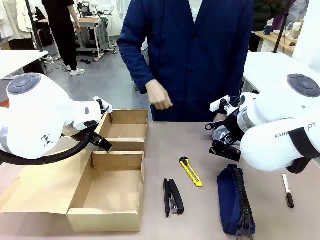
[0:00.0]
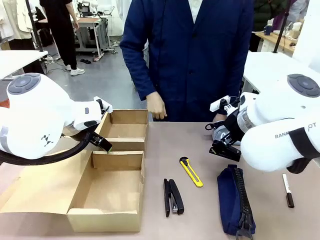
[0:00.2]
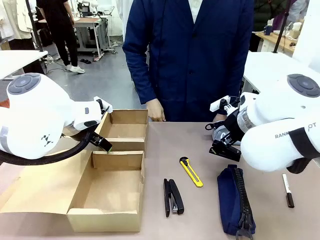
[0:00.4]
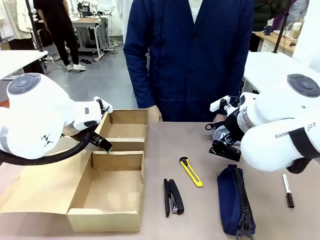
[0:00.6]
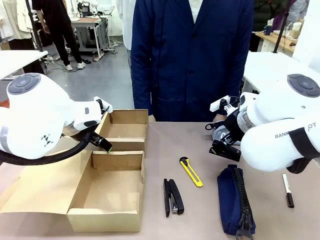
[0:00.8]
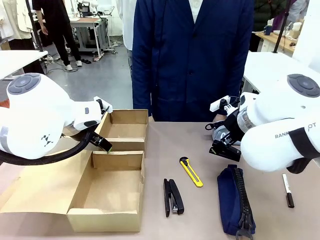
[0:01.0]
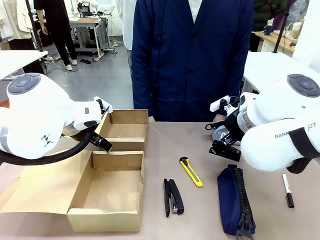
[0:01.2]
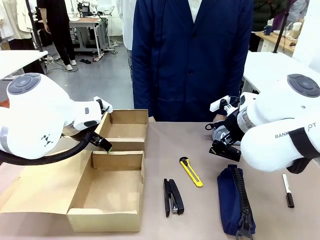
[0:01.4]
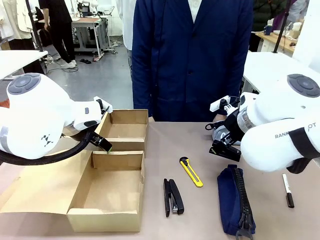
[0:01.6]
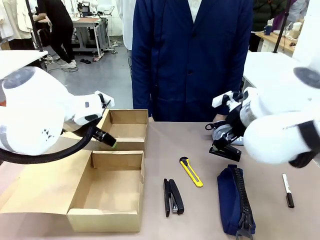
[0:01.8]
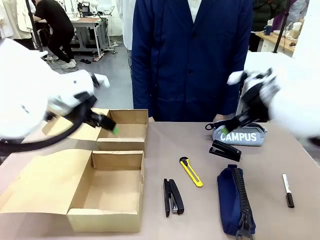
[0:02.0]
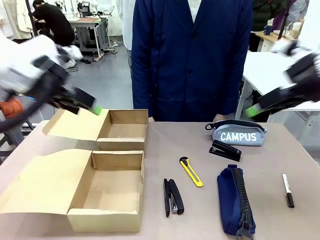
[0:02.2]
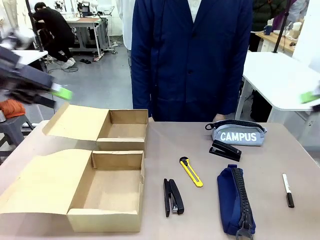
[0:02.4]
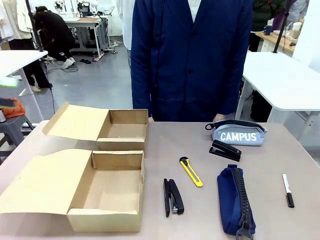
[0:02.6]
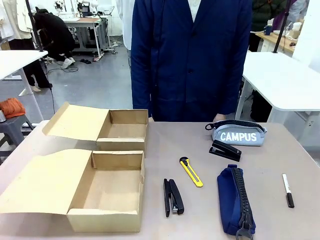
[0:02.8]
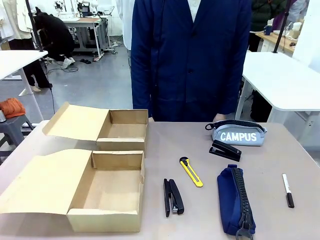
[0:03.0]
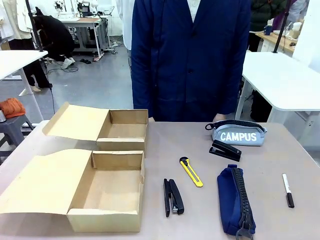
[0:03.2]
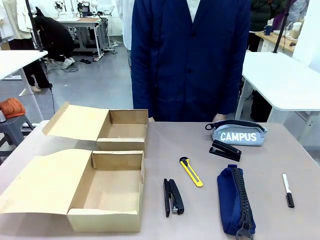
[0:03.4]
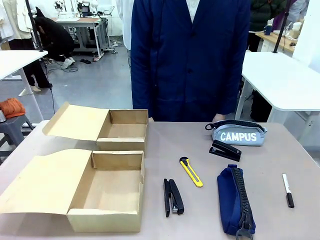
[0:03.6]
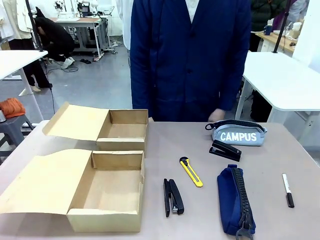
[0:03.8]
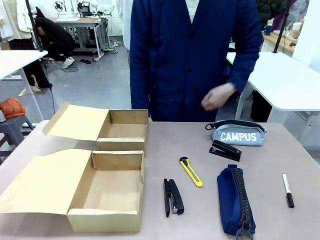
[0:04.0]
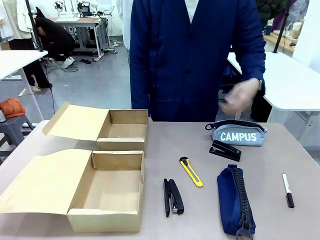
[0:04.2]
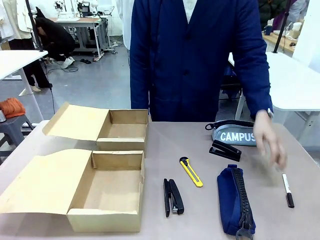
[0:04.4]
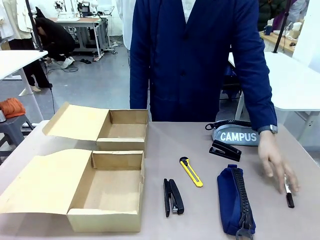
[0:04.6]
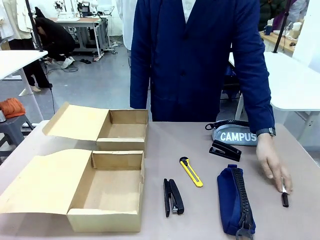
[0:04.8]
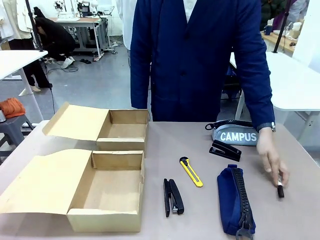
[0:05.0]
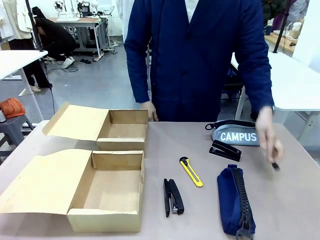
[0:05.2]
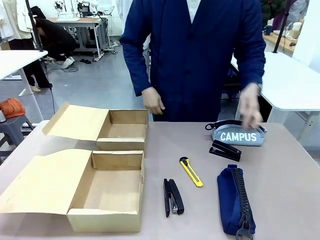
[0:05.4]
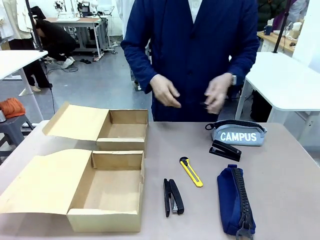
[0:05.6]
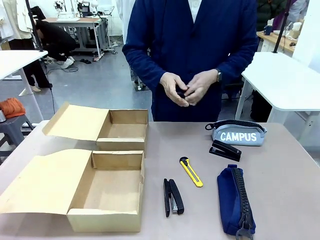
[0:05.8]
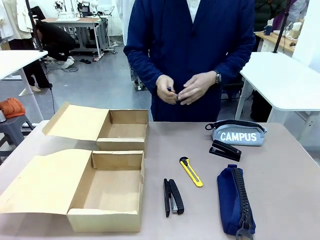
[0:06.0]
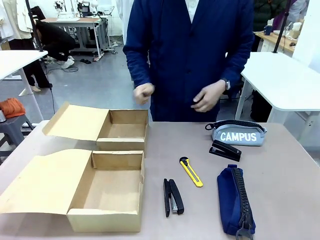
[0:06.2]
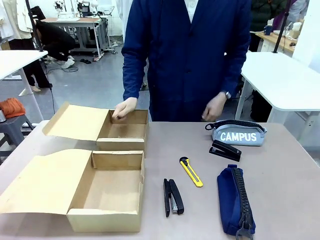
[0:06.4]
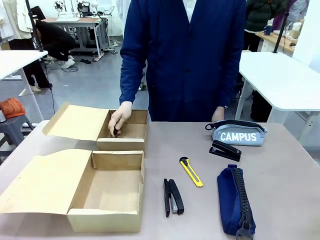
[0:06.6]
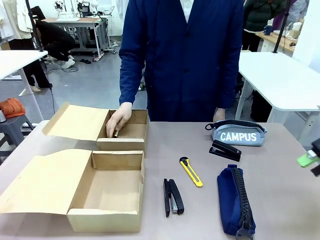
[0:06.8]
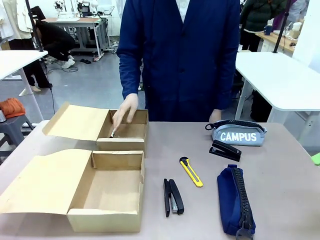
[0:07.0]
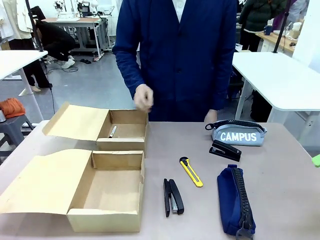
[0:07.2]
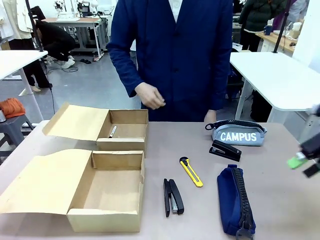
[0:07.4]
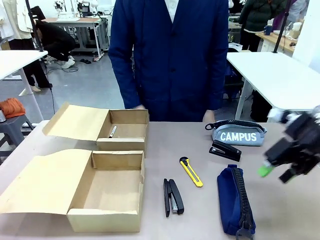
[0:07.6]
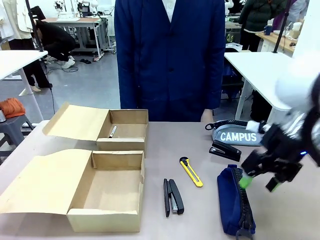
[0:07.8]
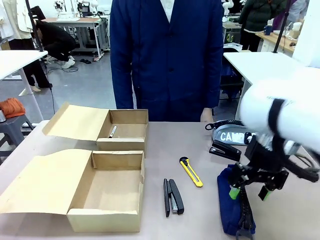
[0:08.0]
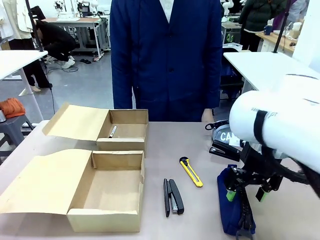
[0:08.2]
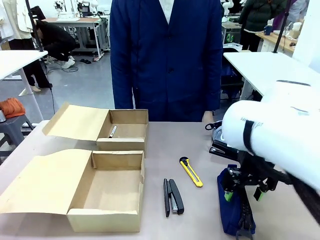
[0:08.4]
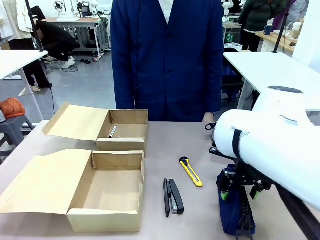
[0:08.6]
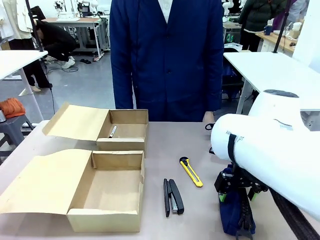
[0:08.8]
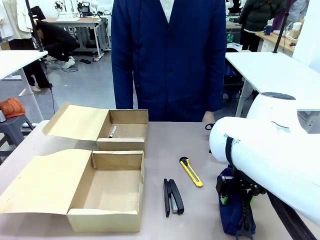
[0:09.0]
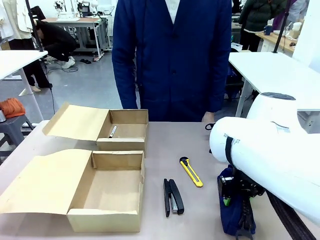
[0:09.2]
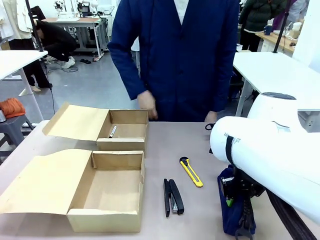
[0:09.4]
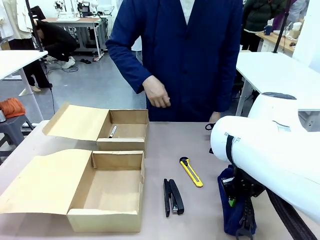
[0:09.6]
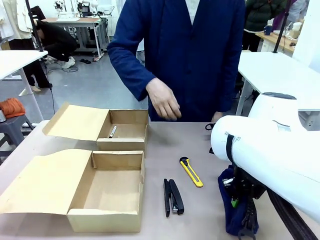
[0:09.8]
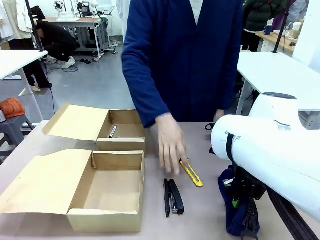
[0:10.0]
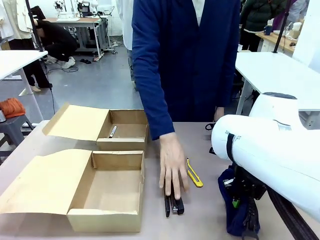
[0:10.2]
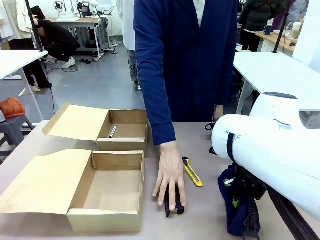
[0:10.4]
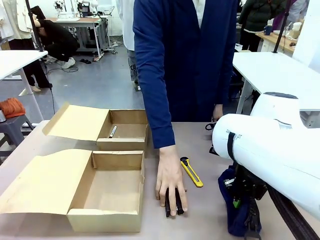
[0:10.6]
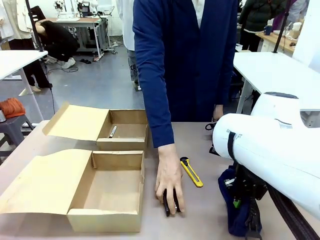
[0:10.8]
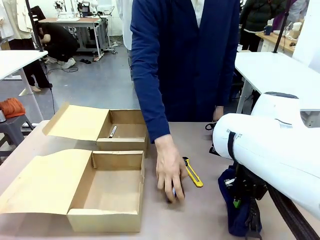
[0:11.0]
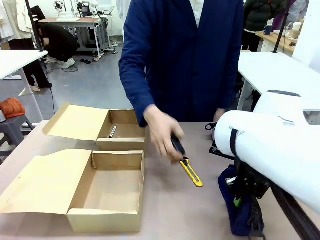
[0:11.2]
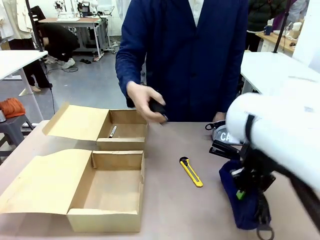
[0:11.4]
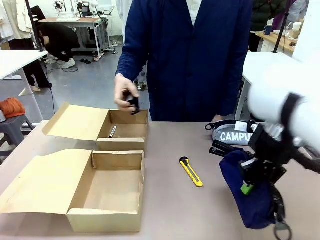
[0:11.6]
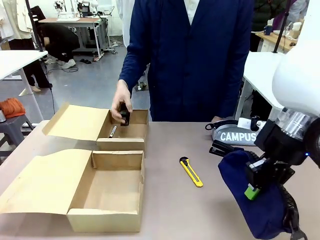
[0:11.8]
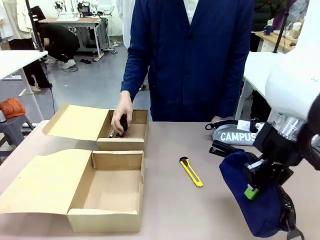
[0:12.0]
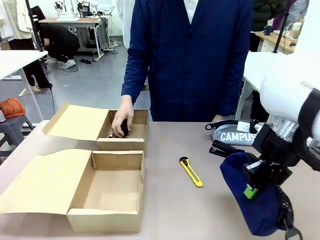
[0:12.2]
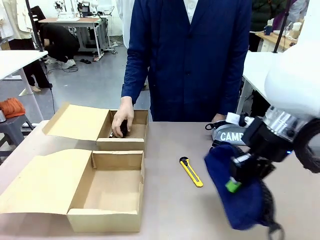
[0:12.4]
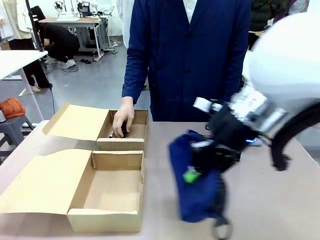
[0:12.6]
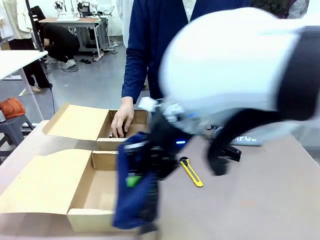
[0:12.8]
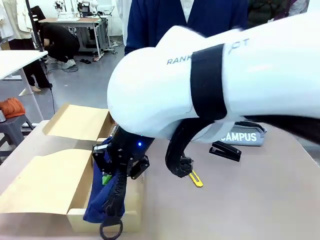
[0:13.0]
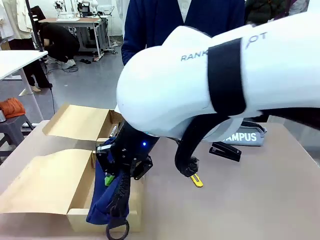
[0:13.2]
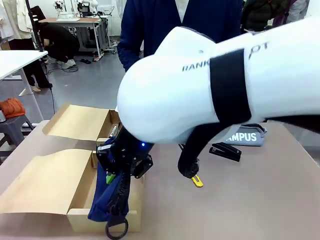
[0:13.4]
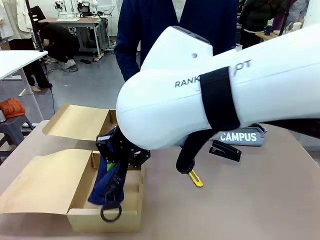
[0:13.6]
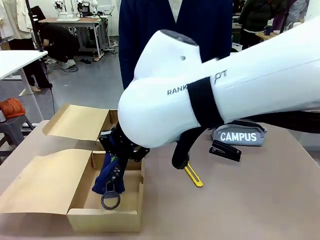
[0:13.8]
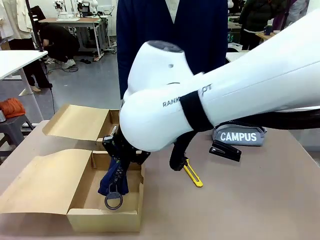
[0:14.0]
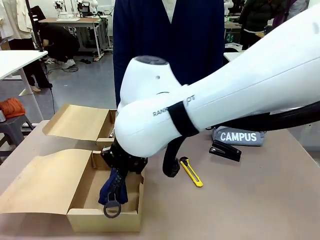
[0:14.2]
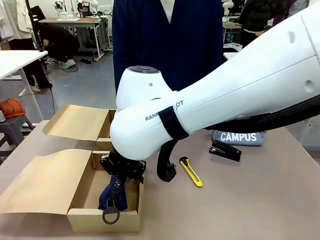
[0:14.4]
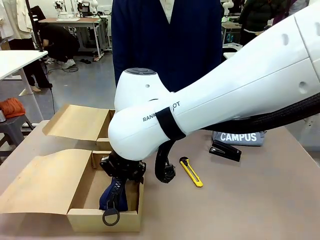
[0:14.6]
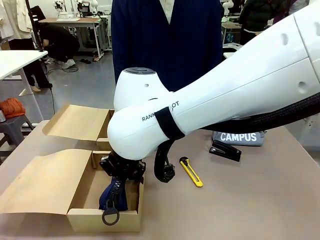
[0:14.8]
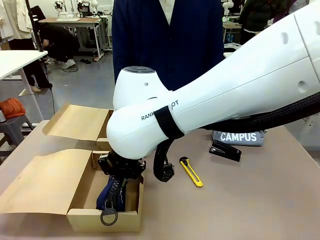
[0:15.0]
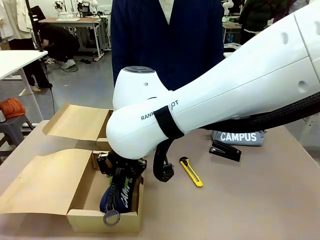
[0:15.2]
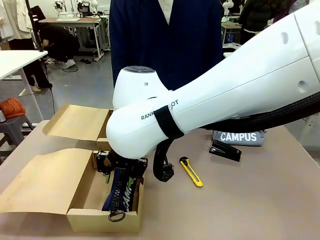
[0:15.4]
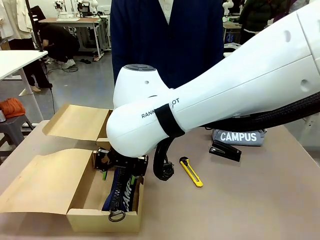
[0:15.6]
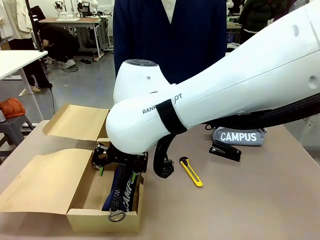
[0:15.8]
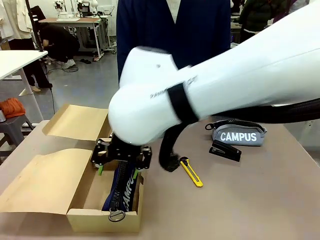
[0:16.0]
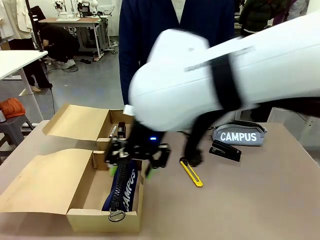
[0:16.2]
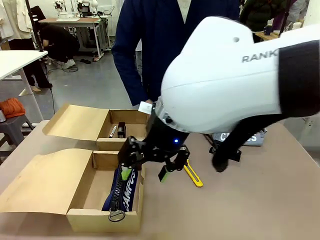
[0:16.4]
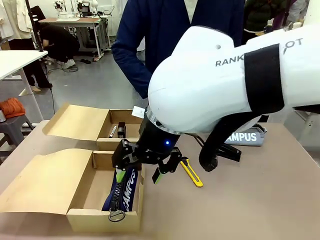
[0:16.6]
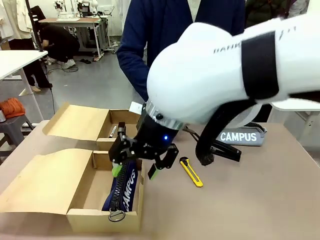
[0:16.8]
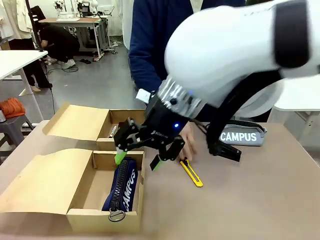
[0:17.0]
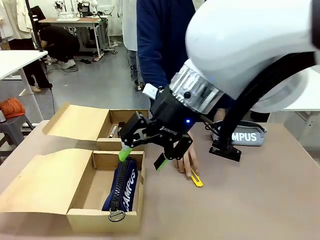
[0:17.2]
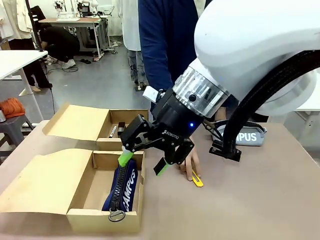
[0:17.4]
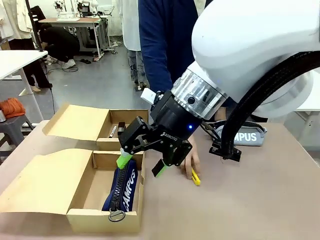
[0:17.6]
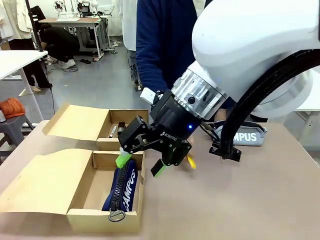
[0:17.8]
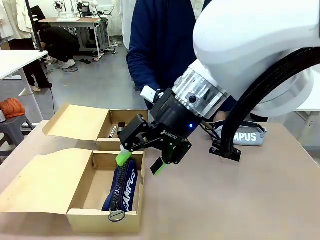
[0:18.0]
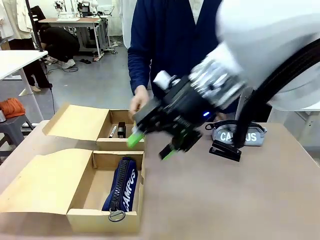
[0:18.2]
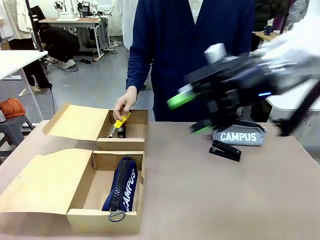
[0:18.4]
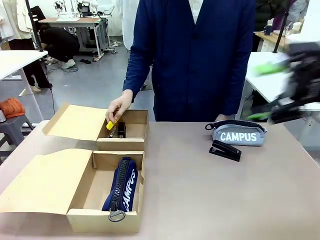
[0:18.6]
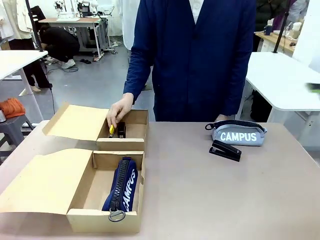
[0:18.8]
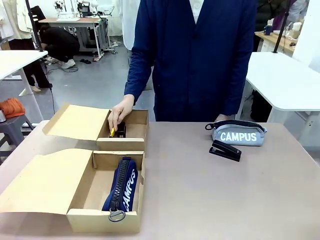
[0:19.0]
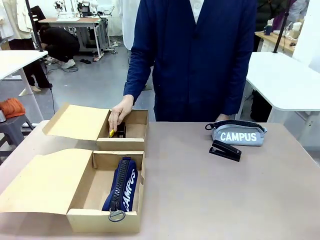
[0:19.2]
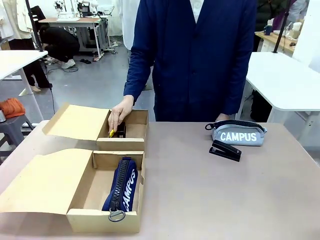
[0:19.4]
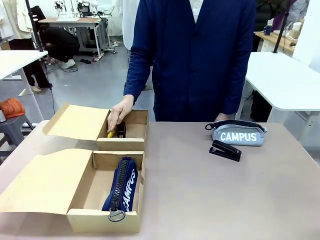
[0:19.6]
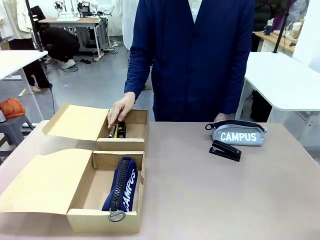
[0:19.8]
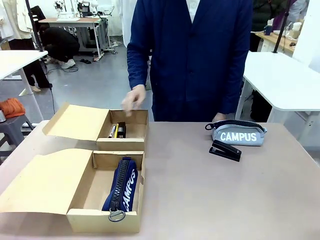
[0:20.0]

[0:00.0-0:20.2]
Task: Place items inside the box.
Robot: Pick up a Pencil pouch or Stapler and place it inside the Mailer Box closest to the robot.
Person: Pick up an object on the table and put it in the box.
